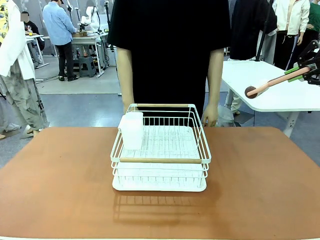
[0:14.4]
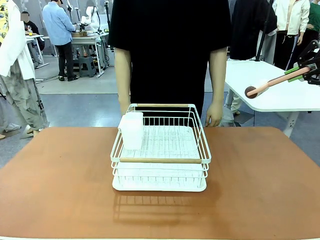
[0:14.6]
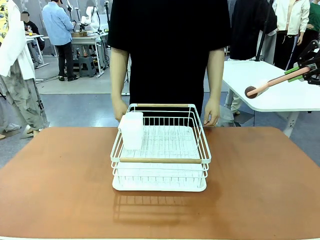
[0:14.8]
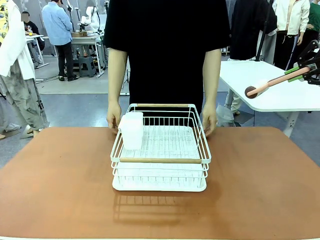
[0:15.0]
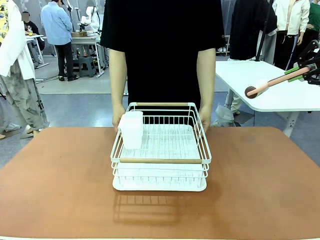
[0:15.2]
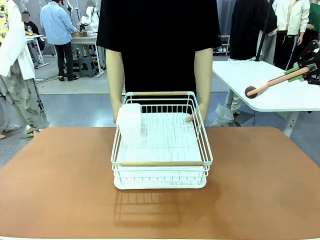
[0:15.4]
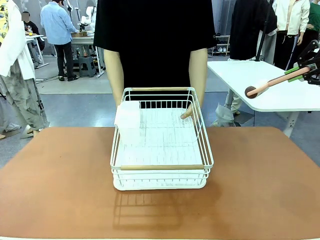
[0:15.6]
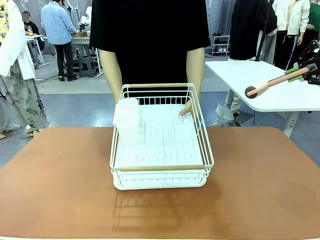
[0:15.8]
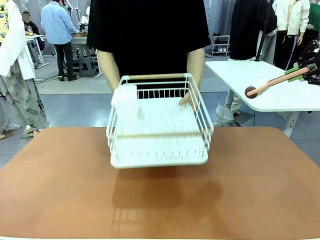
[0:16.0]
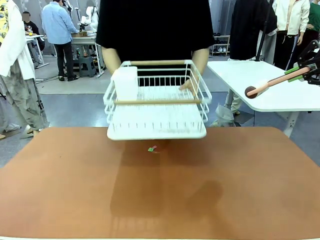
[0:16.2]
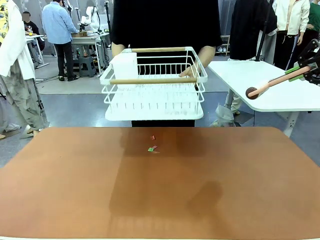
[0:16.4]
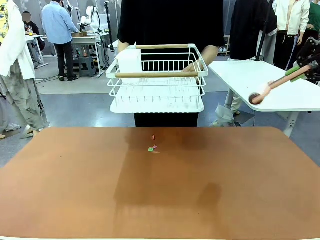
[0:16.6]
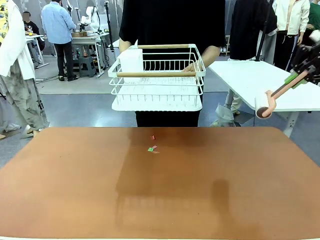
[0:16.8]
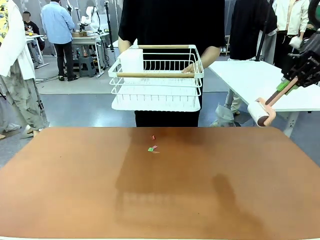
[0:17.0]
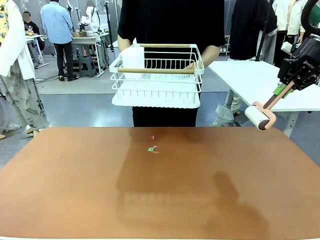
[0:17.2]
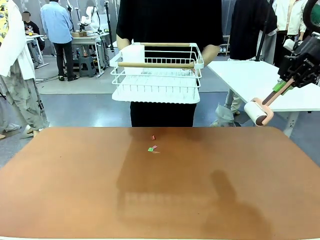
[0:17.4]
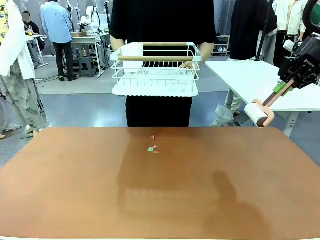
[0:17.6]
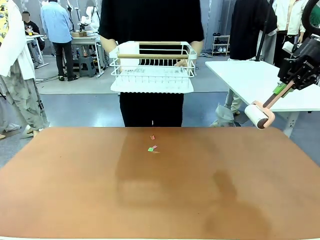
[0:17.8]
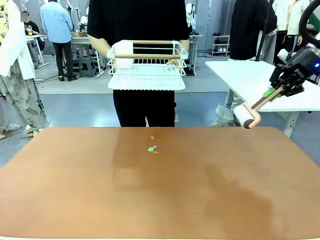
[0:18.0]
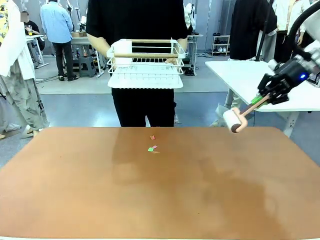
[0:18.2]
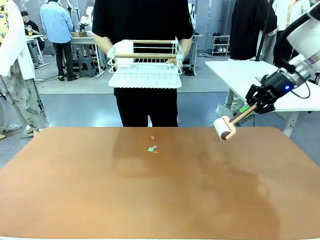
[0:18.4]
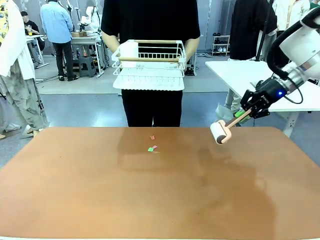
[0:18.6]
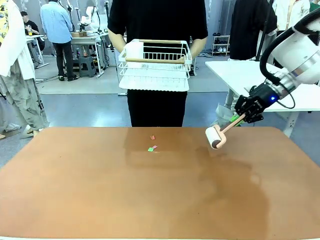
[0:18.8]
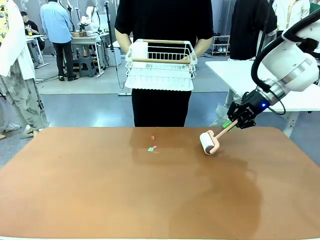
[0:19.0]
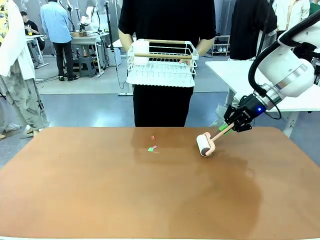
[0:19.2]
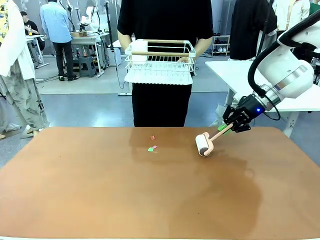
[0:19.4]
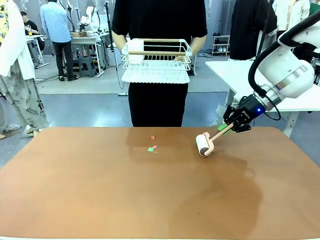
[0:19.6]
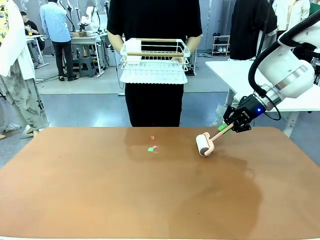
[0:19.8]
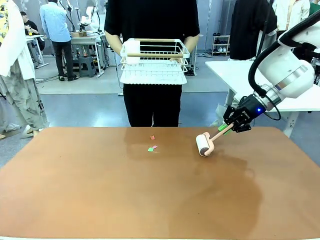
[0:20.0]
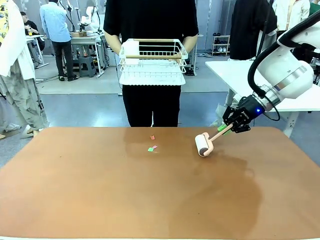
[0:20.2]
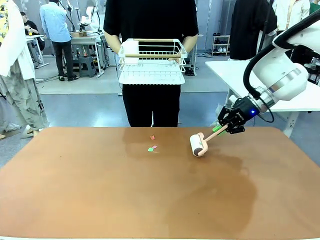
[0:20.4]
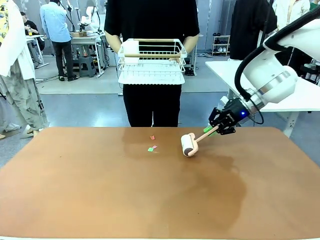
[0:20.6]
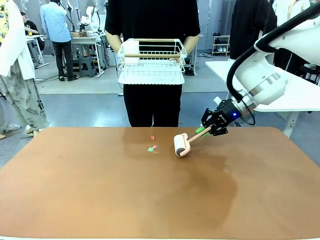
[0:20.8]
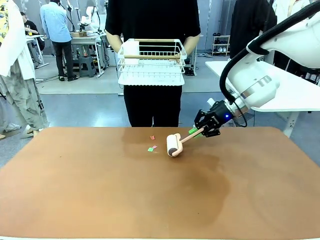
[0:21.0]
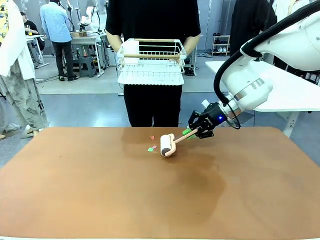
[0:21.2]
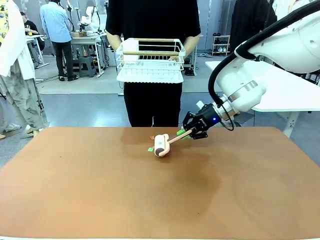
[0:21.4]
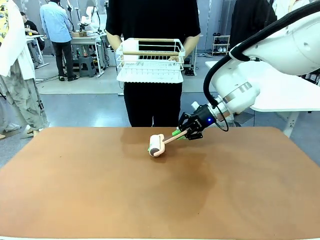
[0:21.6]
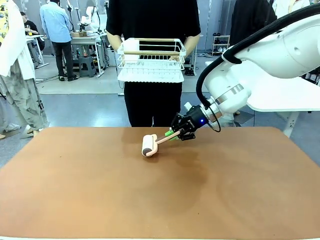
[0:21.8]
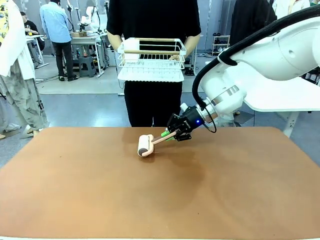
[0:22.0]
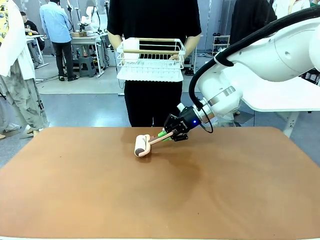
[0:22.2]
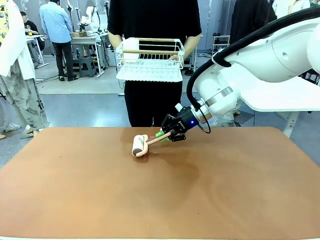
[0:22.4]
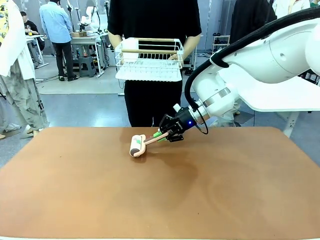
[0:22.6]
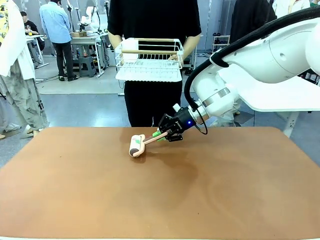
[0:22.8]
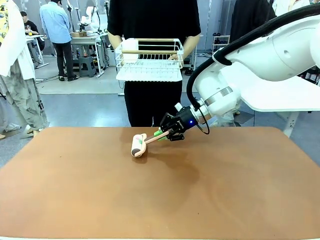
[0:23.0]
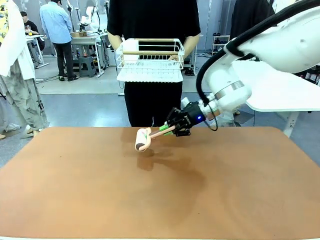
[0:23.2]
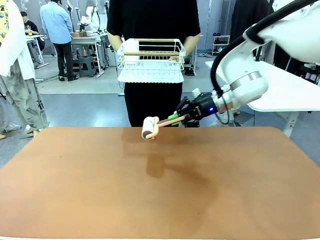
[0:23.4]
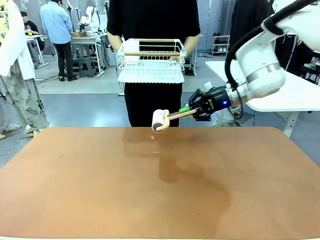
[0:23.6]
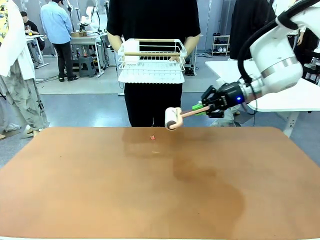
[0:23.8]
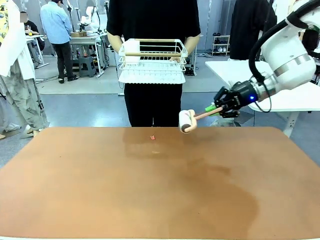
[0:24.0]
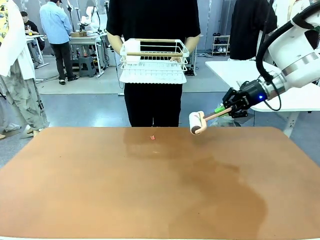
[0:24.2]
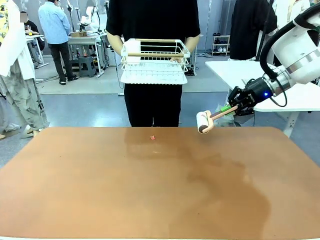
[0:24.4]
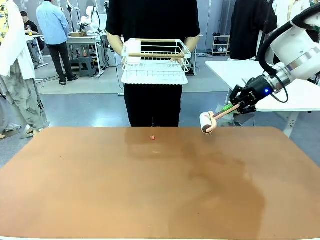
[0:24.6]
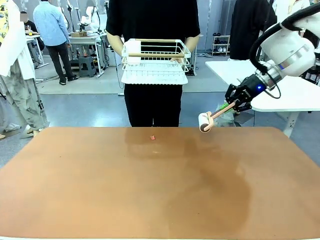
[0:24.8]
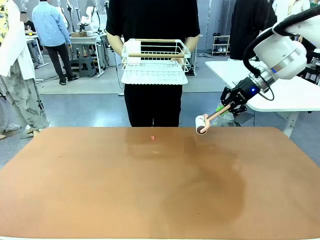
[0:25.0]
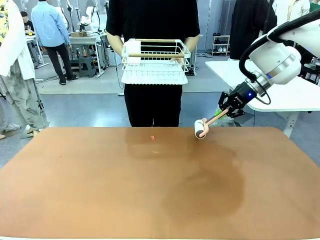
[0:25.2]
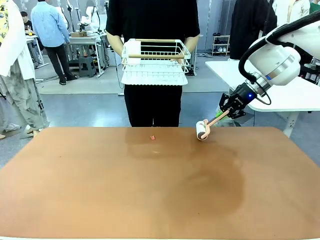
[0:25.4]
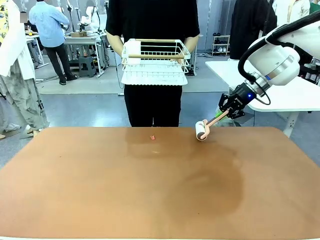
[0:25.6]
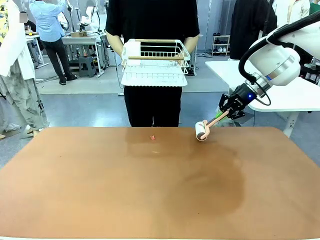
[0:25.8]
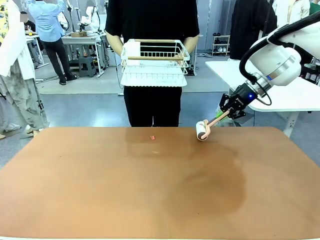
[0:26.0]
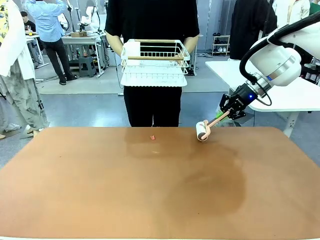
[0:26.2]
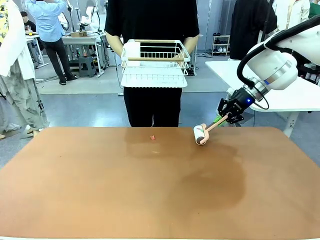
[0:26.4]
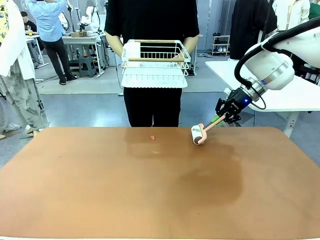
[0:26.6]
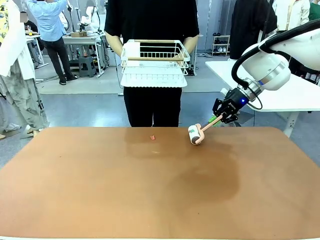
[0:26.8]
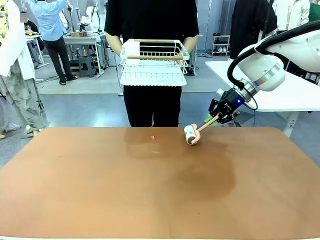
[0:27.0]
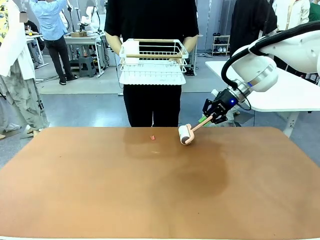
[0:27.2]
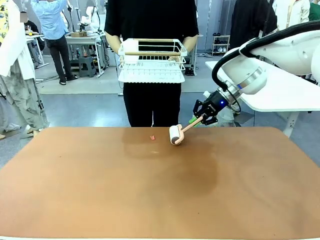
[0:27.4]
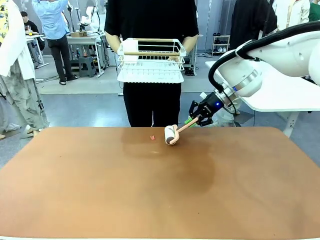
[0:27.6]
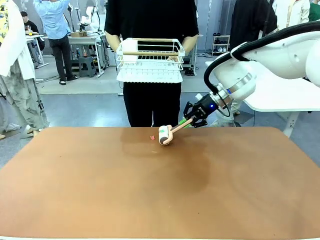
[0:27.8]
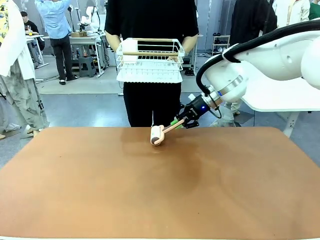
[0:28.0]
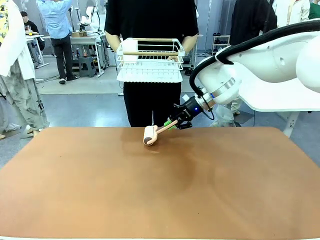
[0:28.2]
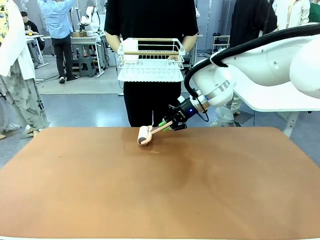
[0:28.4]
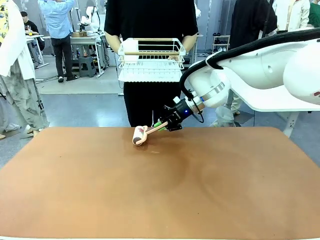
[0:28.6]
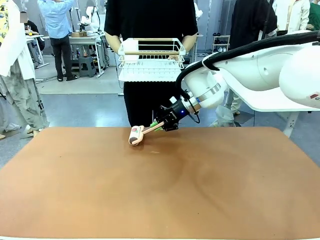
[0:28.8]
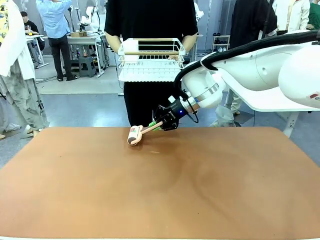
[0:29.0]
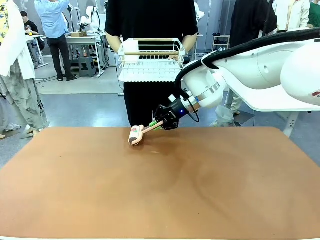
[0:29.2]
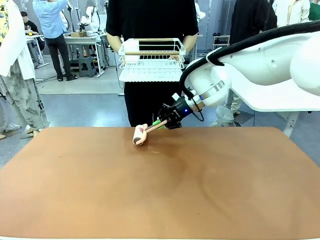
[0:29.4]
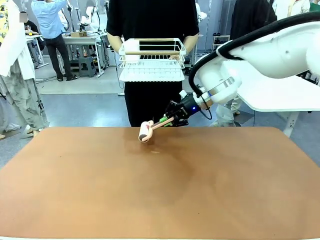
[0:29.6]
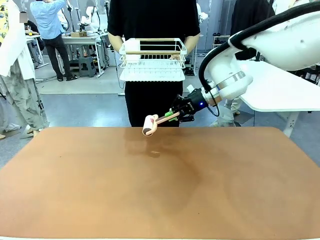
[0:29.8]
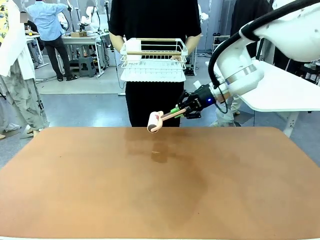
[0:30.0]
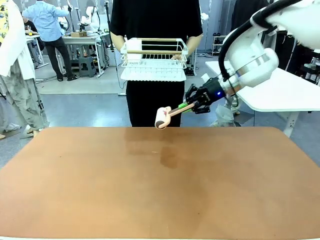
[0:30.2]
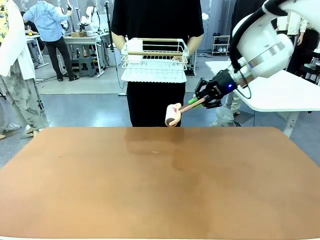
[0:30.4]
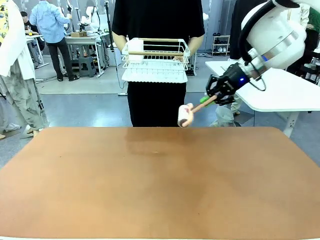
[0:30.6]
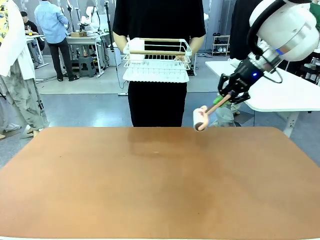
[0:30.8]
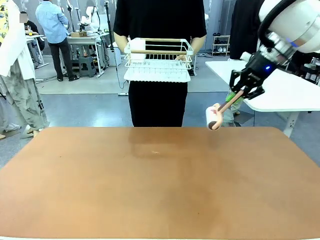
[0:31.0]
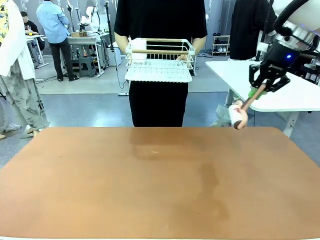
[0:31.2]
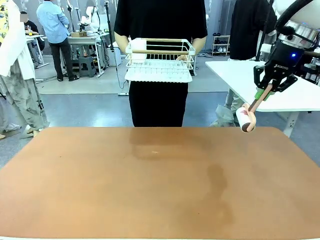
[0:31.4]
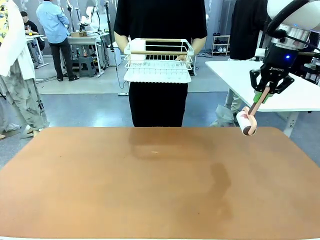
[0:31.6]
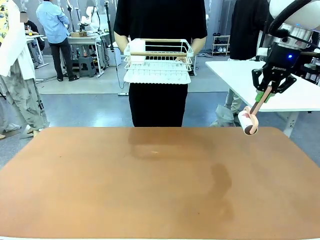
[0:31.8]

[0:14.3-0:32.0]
Task: Clean the table.
Robot: Clean the table with the Lint Roller when the human lifts the Dish drying rack.
Person: Place the Dish drying rack down when the robot finishes cleaning.
